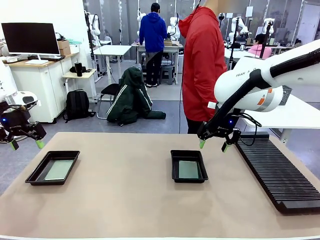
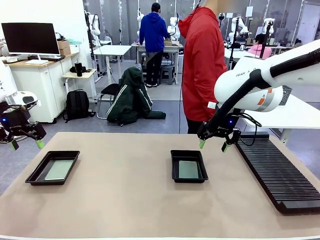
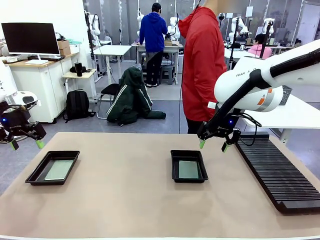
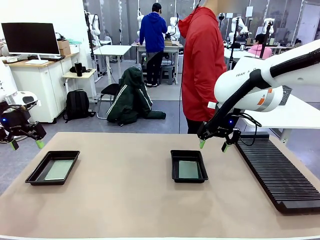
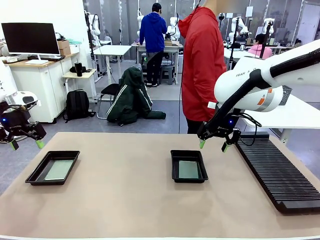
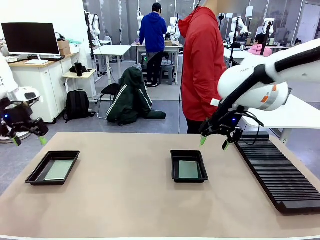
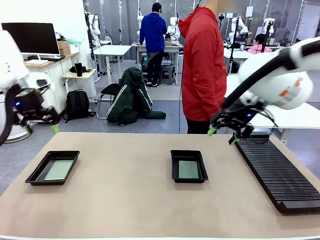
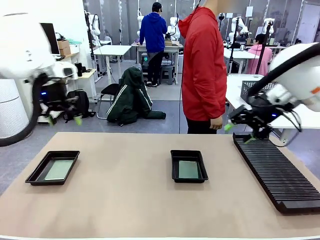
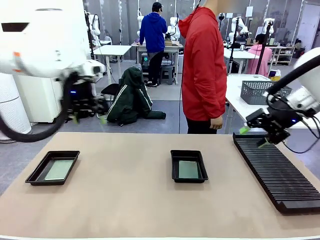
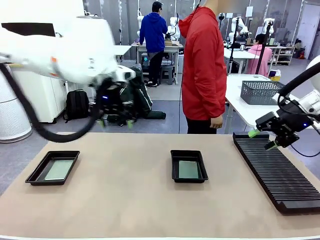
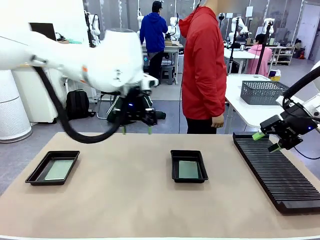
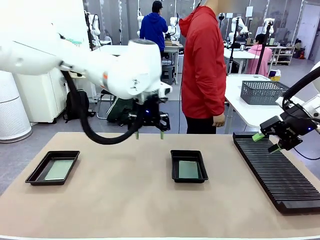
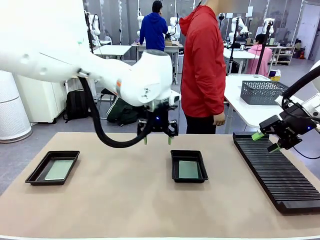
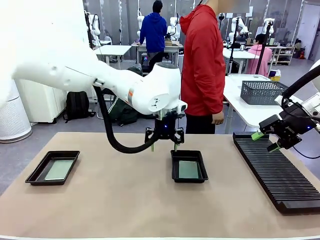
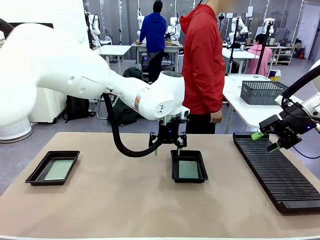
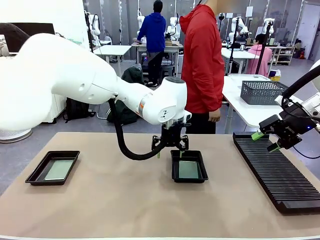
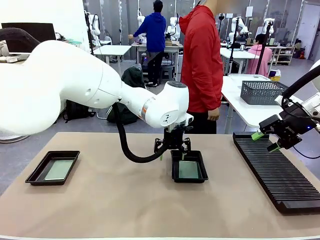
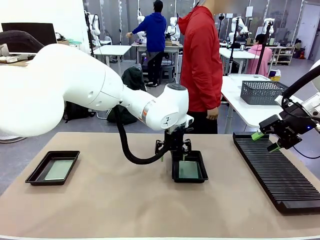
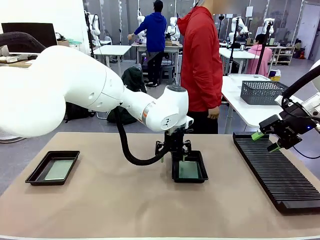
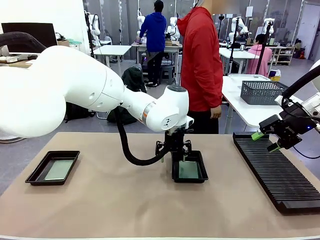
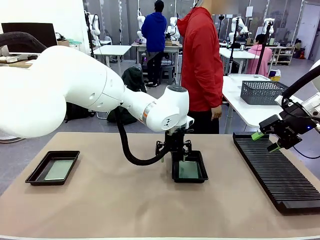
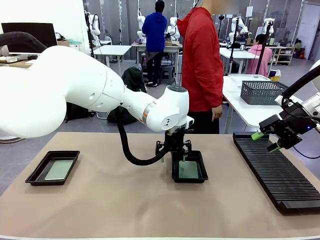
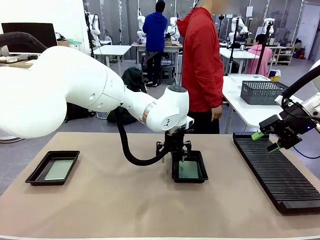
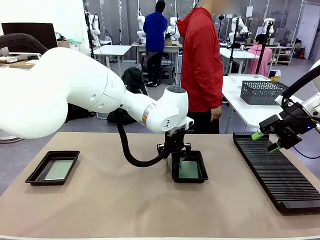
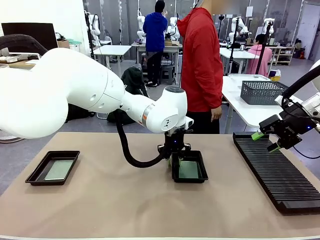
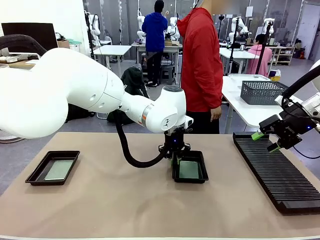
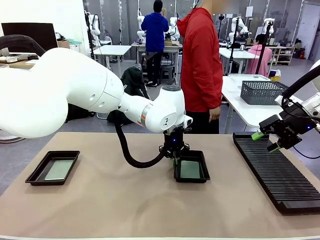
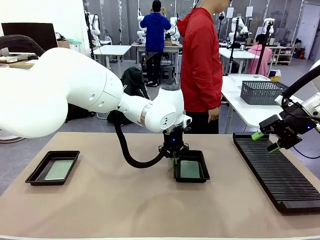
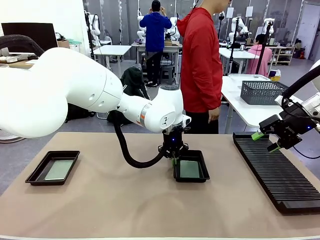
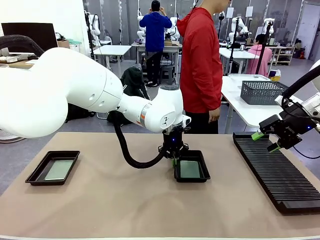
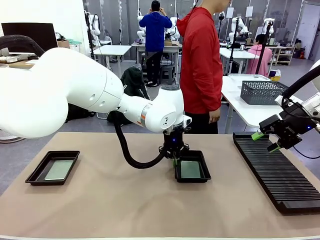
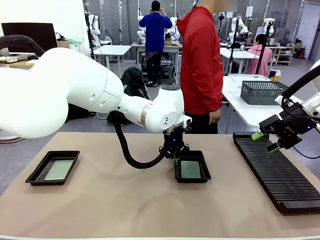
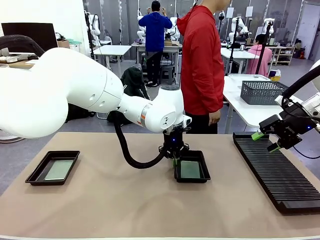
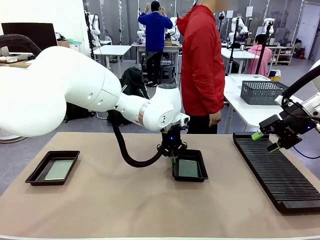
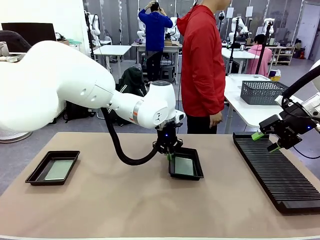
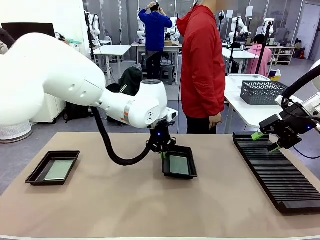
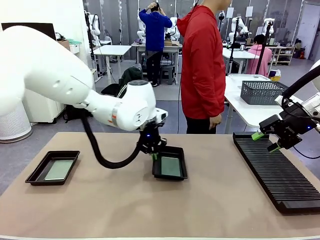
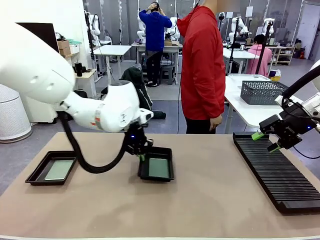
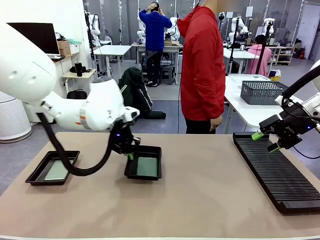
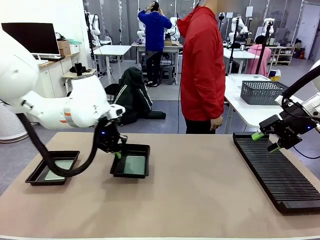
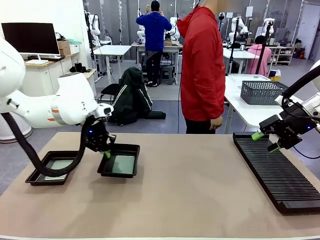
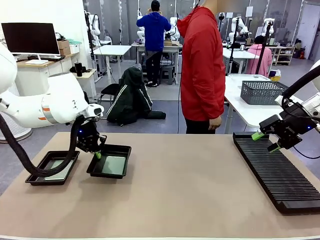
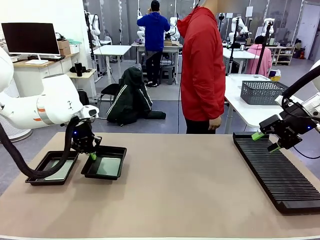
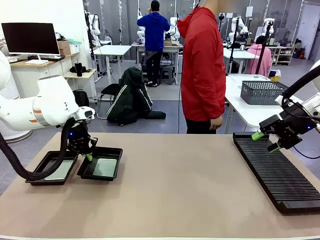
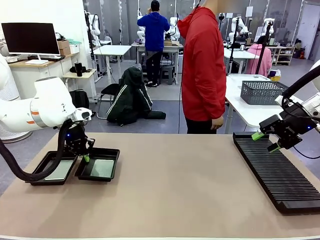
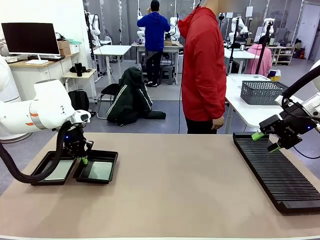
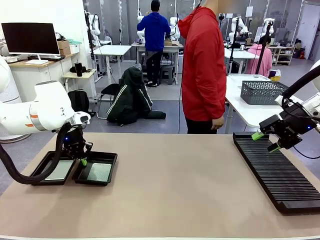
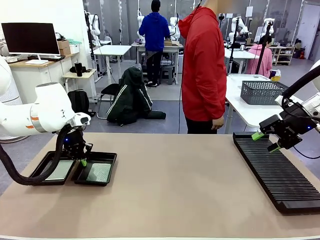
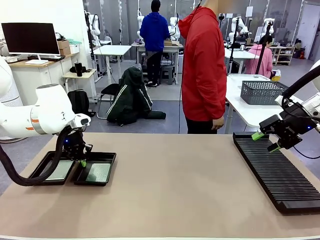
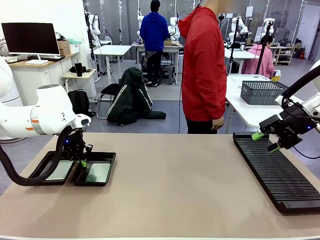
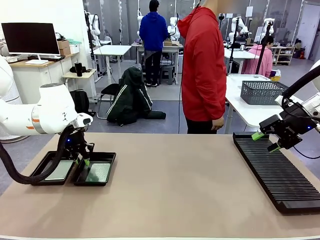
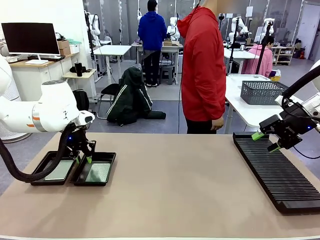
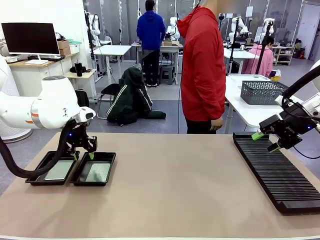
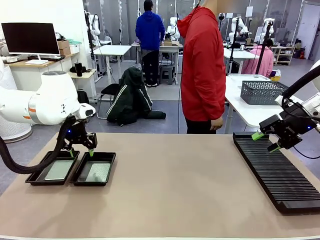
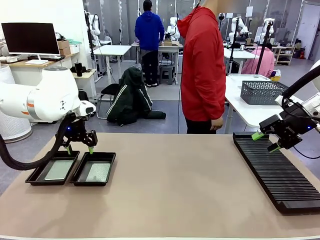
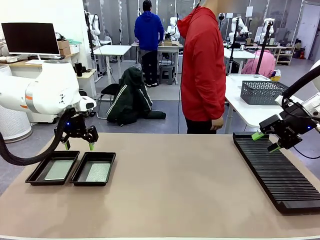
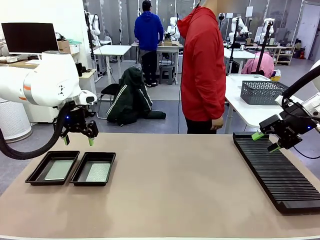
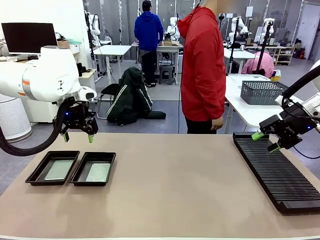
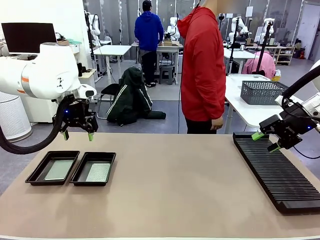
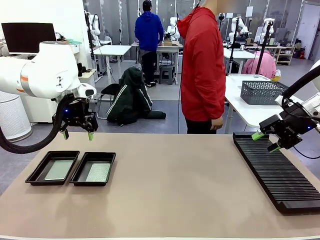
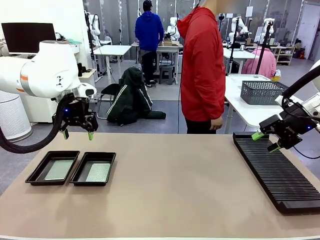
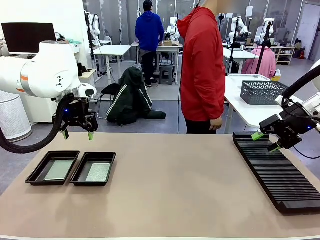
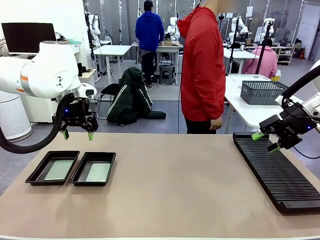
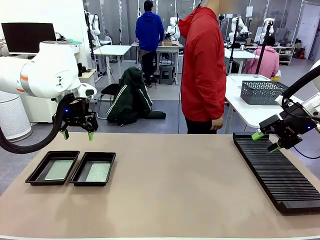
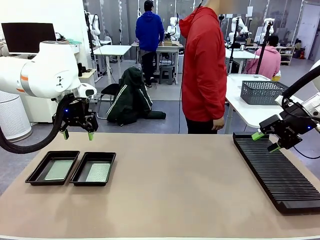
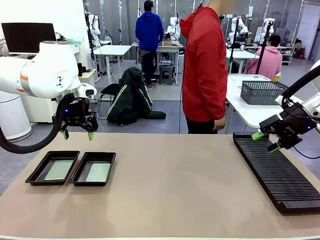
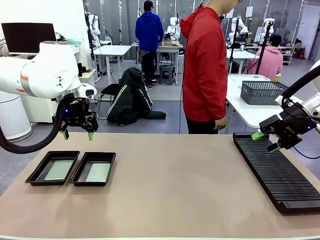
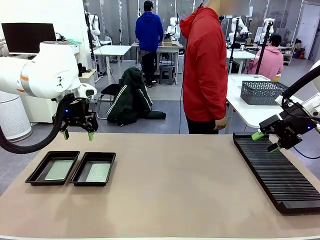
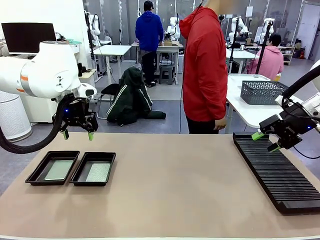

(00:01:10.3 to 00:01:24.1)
Task: Inspect and transfer BCBs to ESD trays.
Robot: Pick up the ESD tray and place it on the left side of the table.
